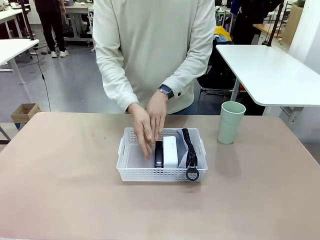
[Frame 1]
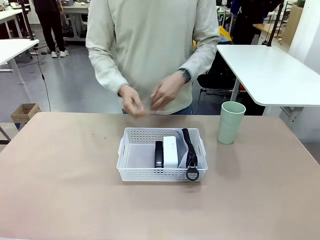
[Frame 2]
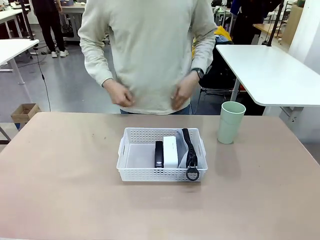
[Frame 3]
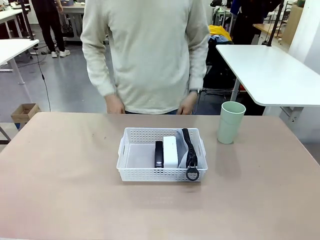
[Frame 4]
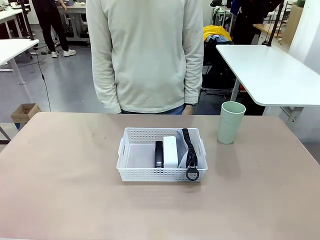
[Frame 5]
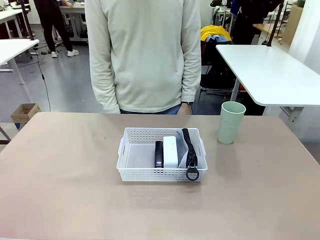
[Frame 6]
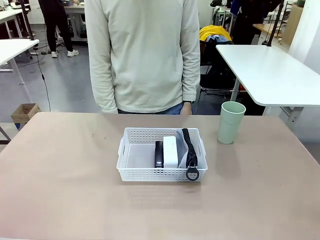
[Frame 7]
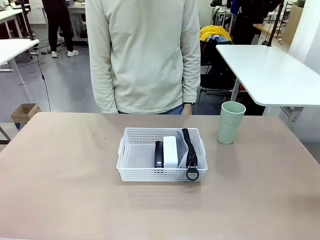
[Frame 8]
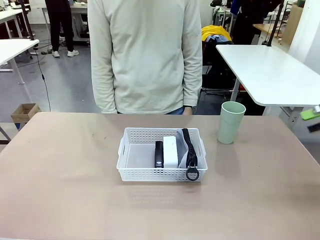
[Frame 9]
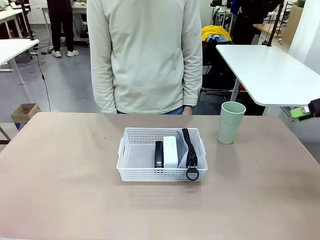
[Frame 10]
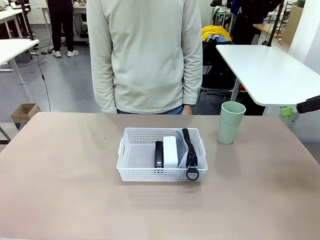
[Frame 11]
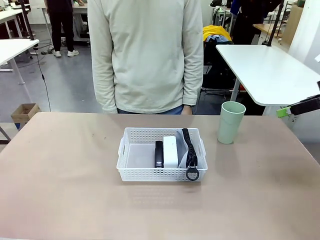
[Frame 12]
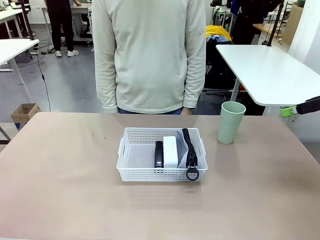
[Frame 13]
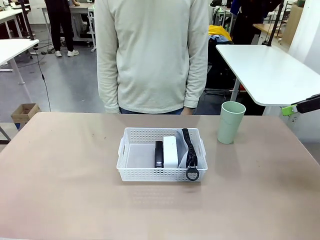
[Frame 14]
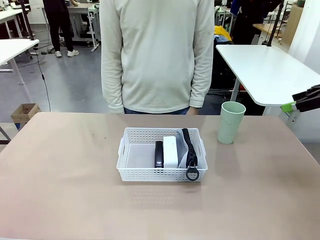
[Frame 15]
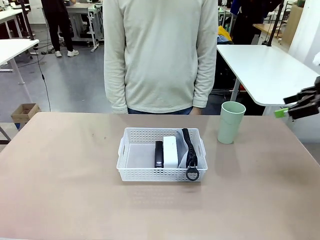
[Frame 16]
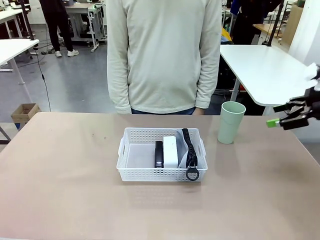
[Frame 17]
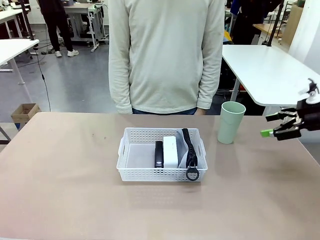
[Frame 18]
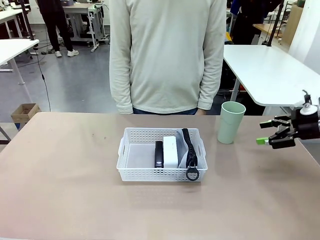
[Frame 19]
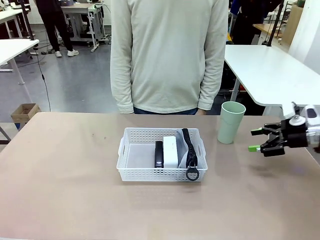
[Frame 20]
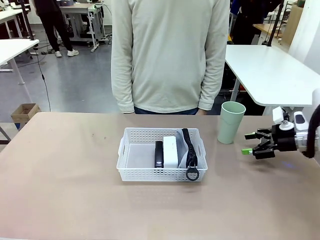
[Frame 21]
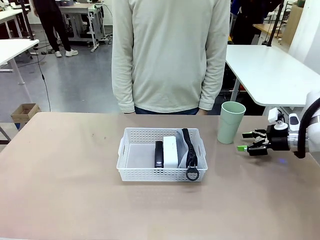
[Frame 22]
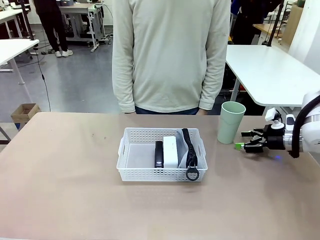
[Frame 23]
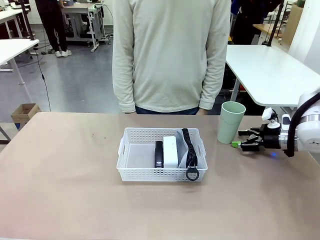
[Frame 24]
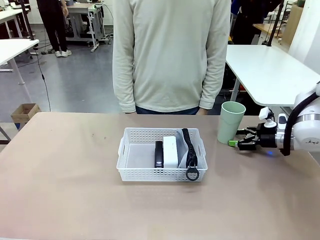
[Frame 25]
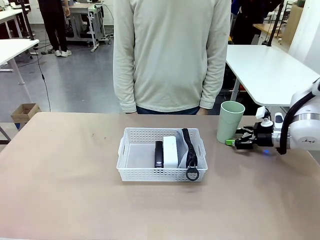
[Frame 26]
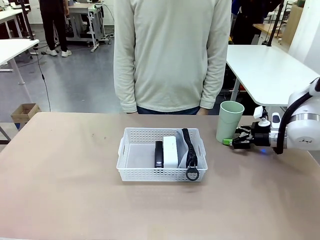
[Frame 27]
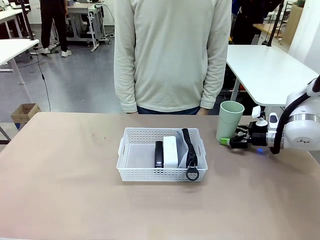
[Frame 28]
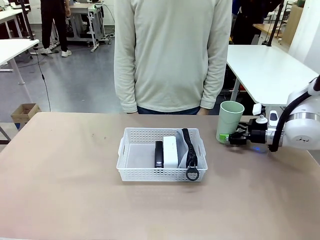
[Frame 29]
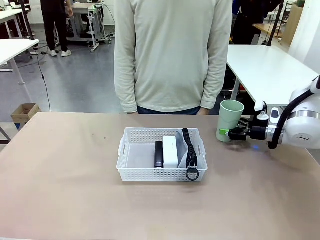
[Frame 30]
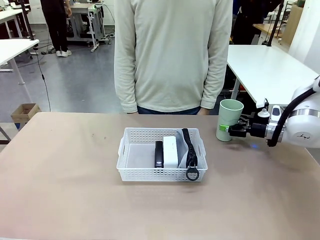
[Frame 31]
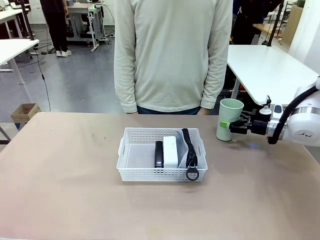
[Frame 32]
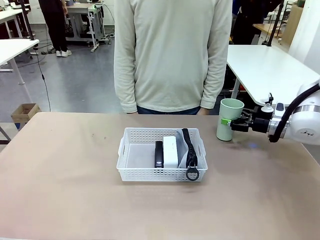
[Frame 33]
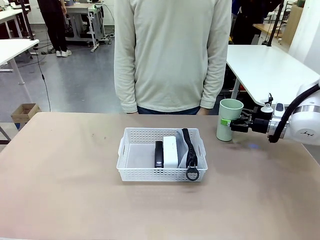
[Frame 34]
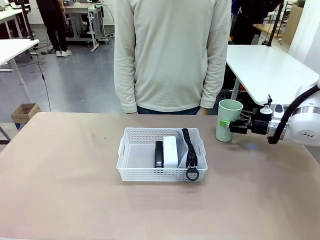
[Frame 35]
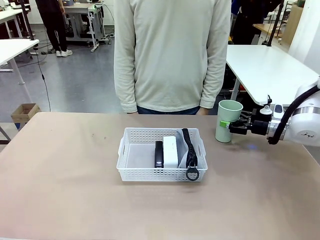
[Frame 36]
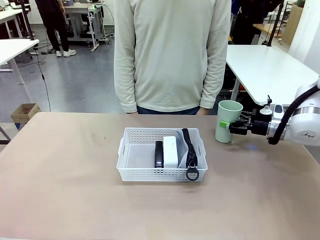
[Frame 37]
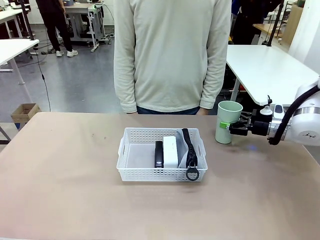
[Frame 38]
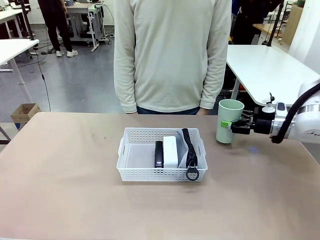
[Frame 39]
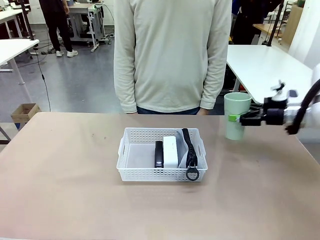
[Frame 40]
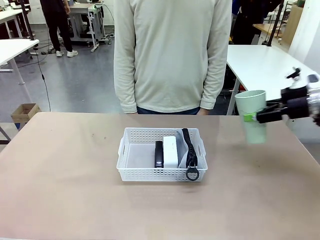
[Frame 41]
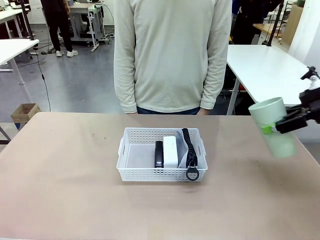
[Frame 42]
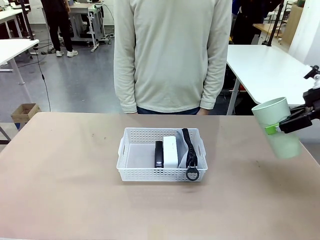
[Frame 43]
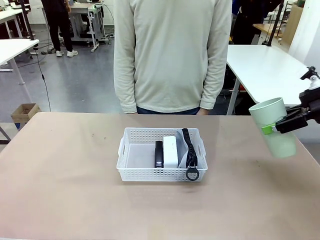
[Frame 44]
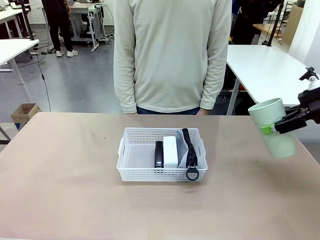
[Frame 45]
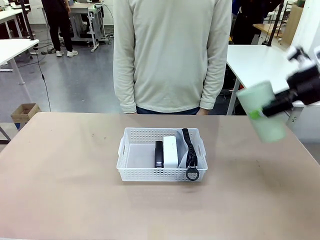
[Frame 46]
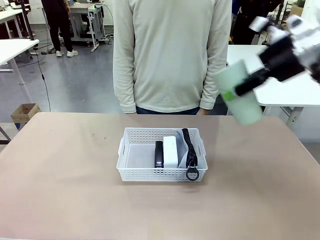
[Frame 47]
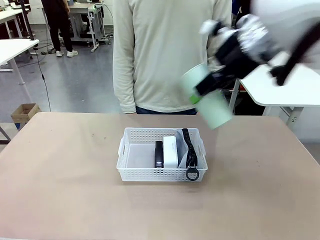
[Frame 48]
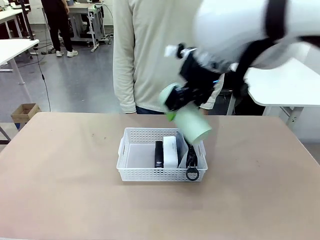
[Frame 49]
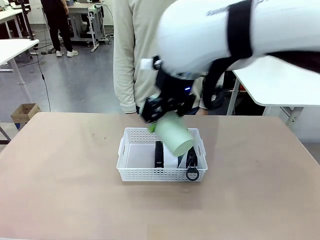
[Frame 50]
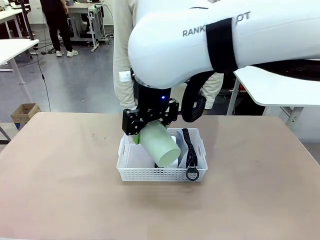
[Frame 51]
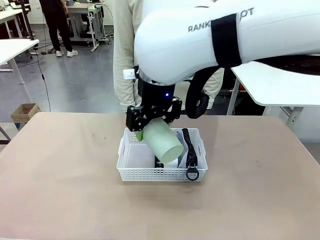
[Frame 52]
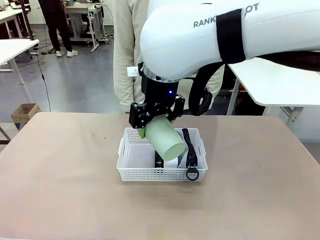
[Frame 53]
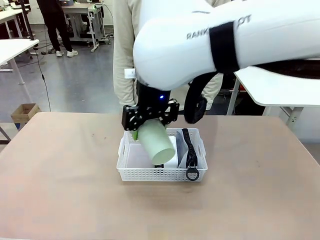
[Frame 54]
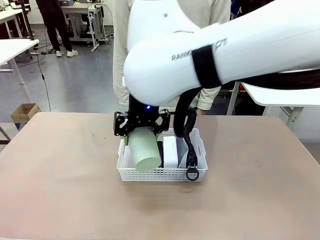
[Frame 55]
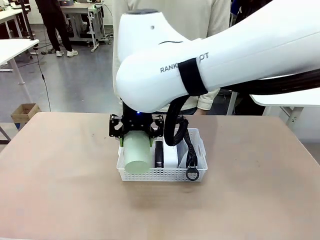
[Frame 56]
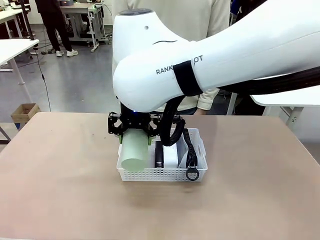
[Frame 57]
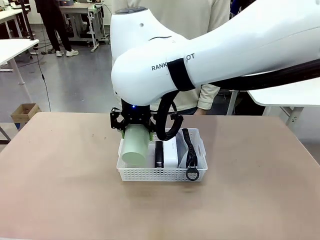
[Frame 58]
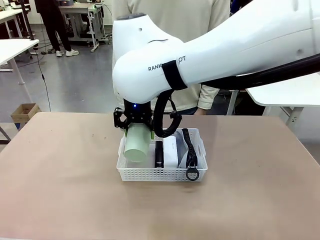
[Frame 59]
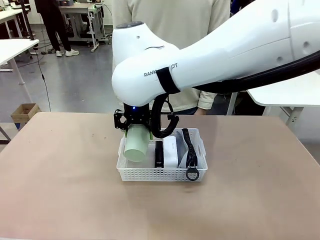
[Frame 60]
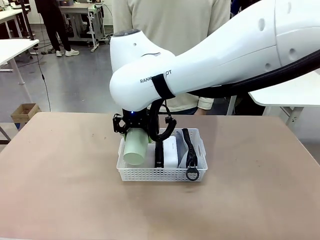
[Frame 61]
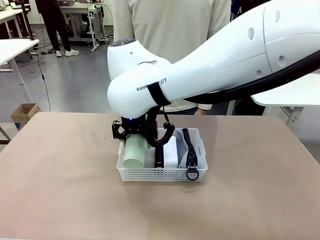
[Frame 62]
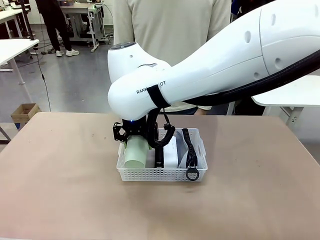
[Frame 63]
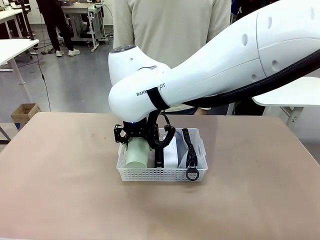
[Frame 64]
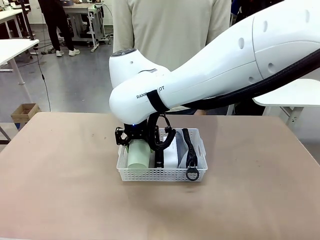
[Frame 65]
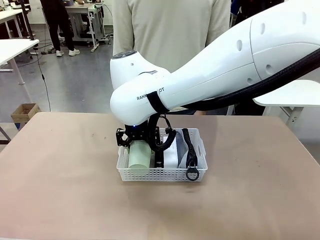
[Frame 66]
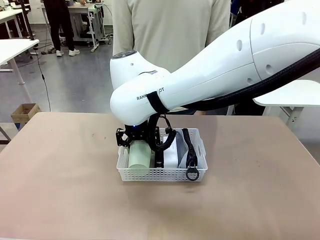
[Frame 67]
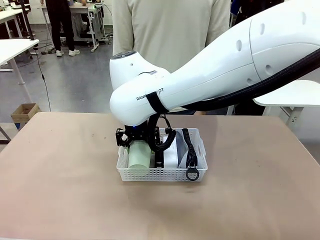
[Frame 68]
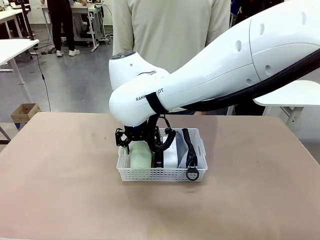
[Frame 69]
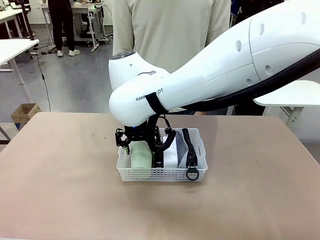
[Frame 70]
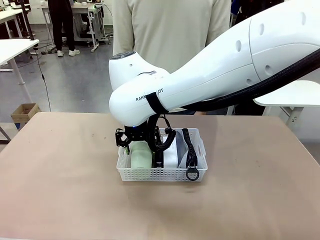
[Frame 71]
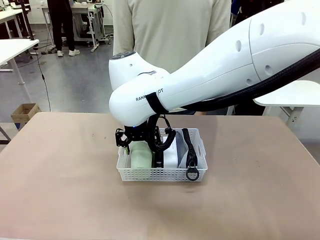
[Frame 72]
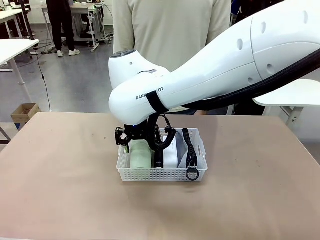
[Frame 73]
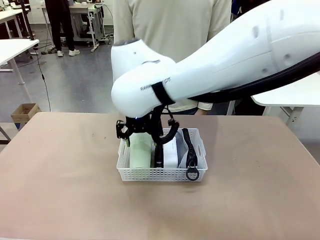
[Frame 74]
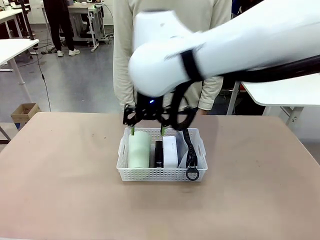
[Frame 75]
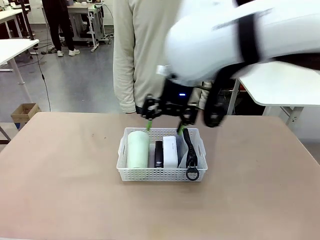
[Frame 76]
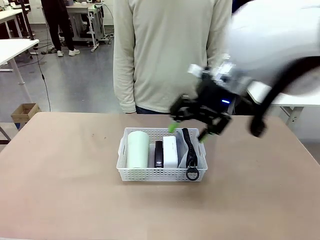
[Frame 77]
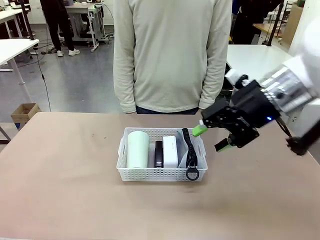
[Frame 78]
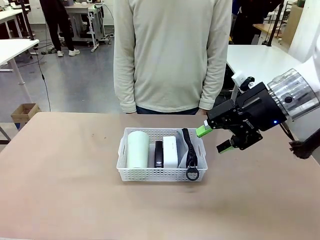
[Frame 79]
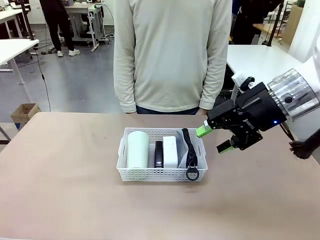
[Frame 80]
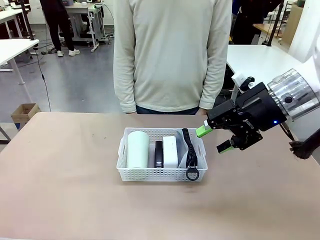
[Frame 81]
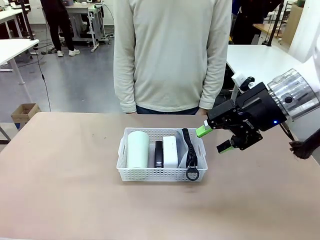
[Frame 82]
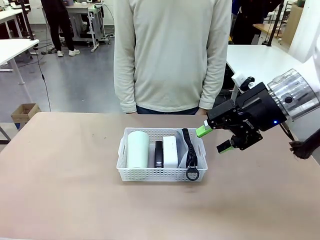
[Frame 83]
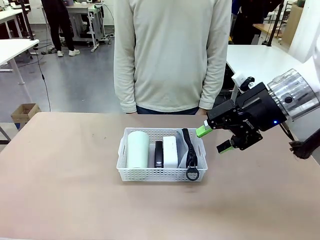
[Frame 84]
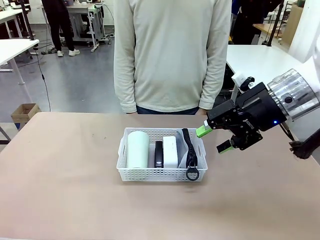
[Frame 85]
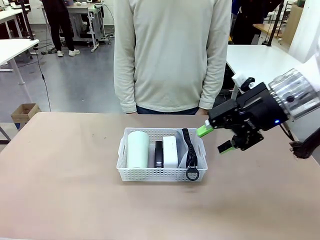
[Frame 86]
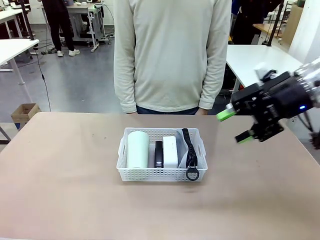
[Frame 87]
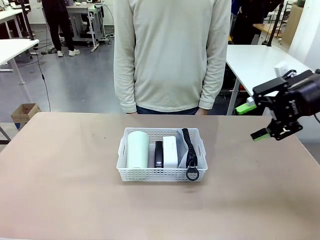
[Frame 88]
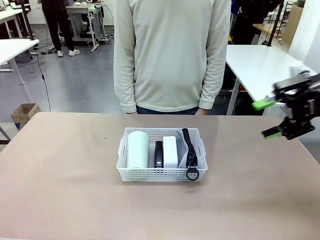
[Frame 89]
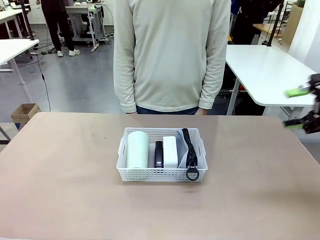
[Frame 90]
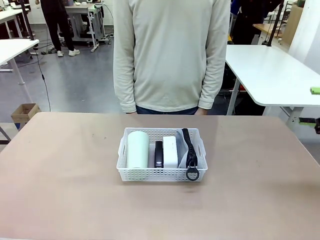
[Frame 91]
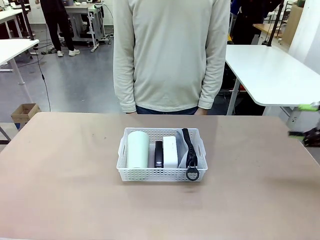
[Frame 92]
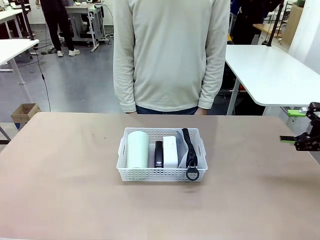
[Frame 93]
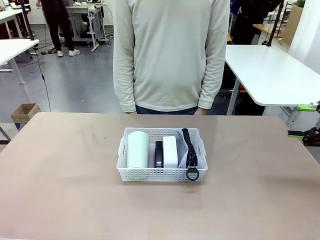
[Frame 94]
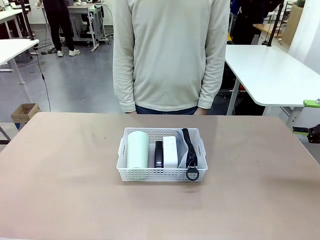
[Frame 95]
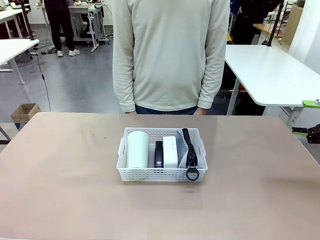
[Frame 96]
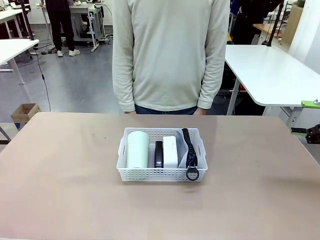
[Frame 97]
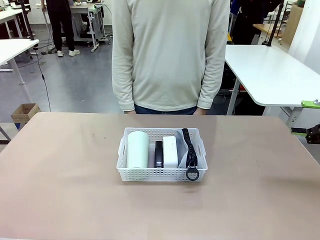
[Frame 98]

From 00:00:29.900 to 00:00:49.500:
Task: Efficiently arrange items inside the basket to fit them all.
Robot: Pick up the Reusable plastic cup and place it inside the Organizing basket.
Person: Repositions the stapler.
